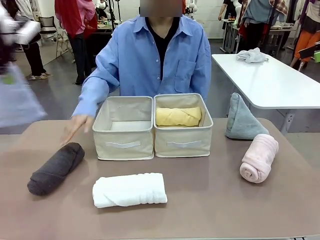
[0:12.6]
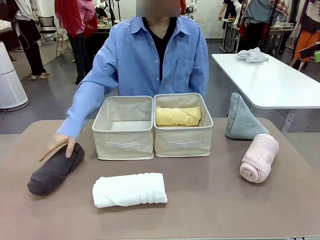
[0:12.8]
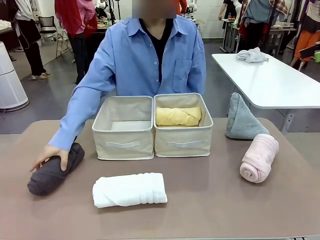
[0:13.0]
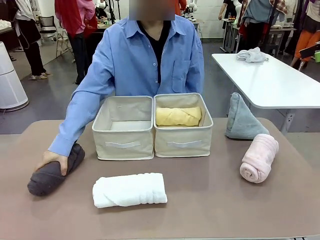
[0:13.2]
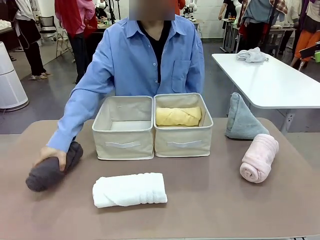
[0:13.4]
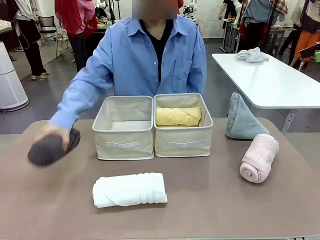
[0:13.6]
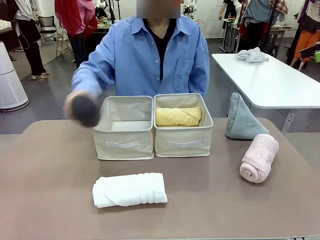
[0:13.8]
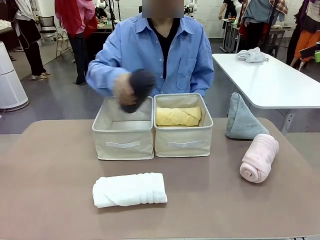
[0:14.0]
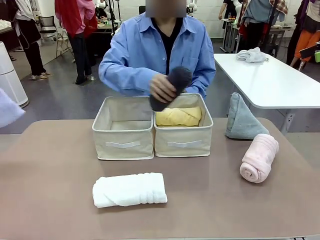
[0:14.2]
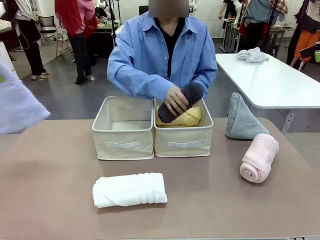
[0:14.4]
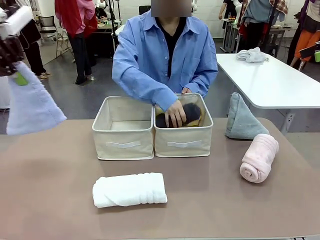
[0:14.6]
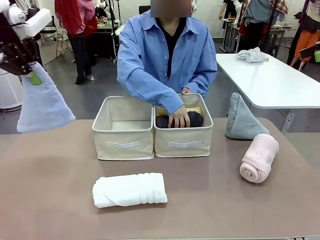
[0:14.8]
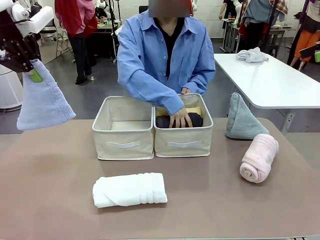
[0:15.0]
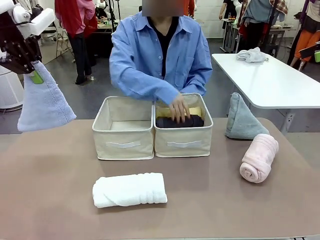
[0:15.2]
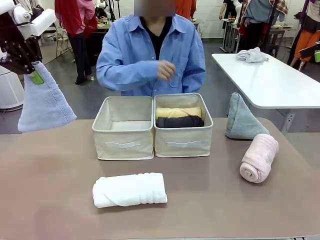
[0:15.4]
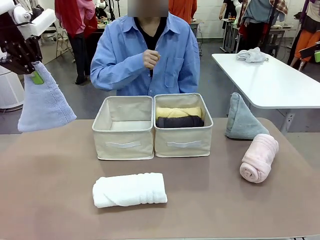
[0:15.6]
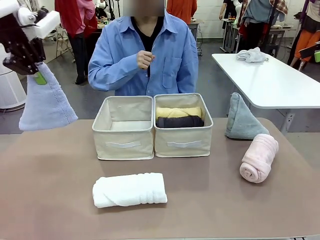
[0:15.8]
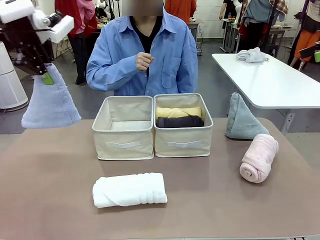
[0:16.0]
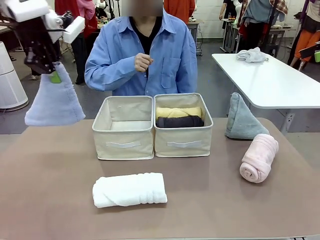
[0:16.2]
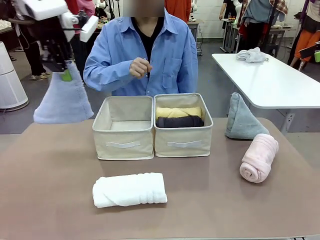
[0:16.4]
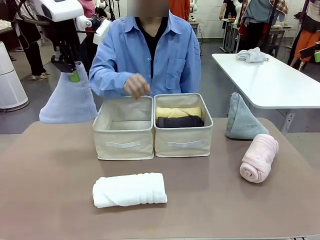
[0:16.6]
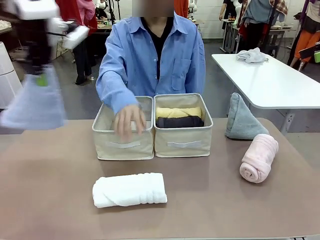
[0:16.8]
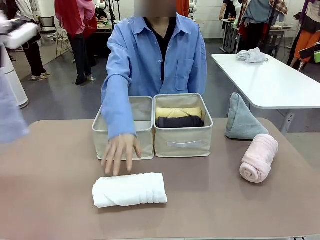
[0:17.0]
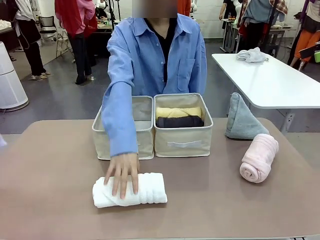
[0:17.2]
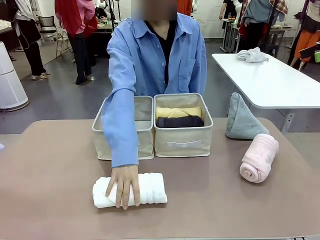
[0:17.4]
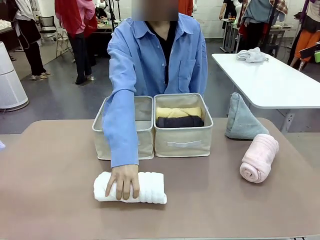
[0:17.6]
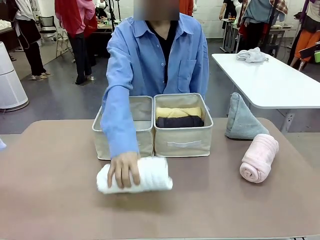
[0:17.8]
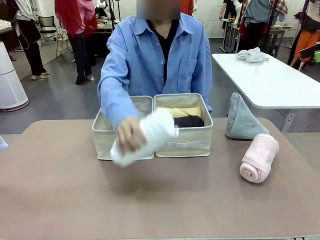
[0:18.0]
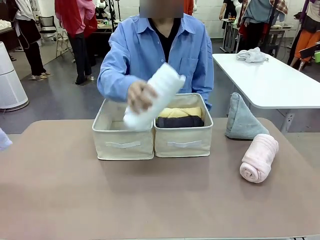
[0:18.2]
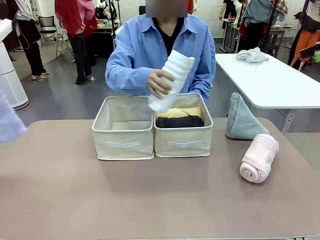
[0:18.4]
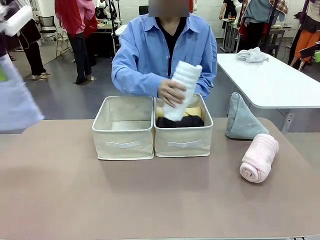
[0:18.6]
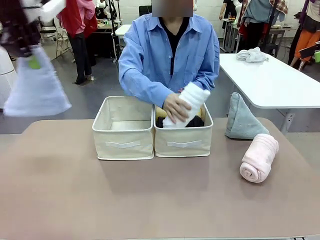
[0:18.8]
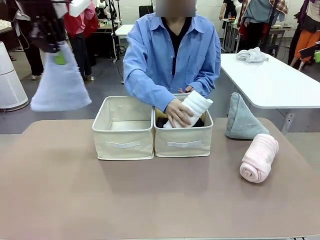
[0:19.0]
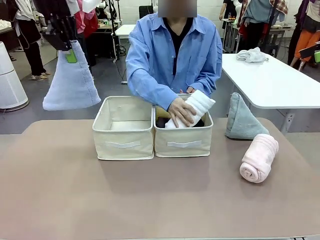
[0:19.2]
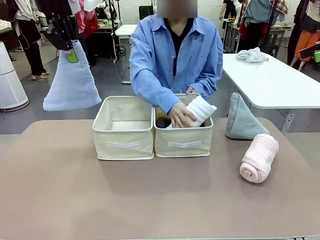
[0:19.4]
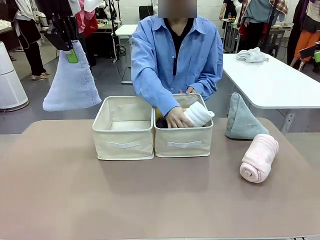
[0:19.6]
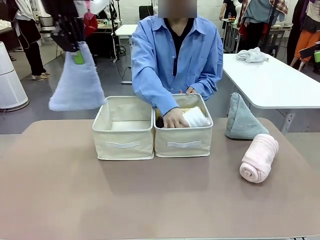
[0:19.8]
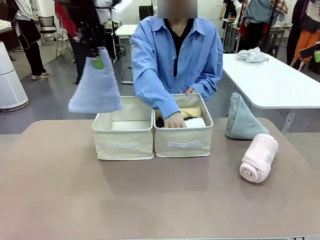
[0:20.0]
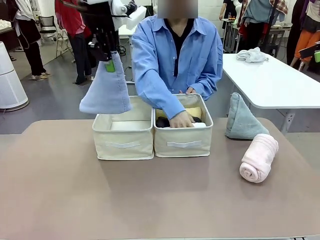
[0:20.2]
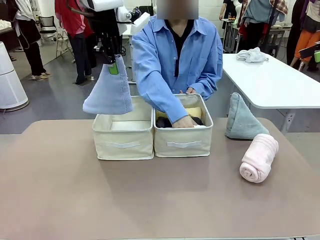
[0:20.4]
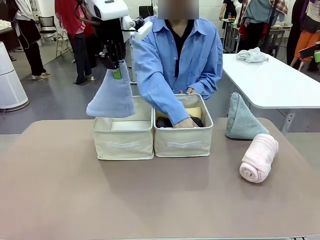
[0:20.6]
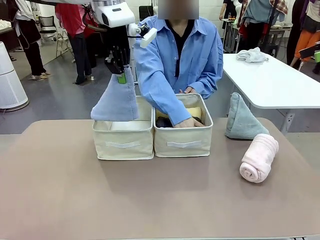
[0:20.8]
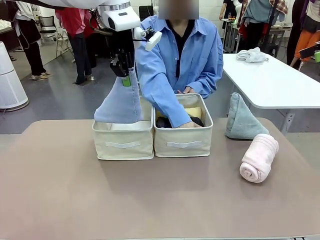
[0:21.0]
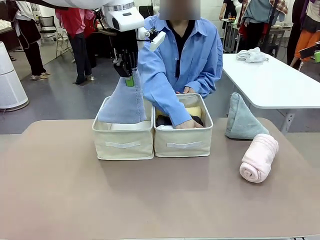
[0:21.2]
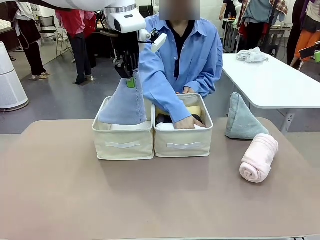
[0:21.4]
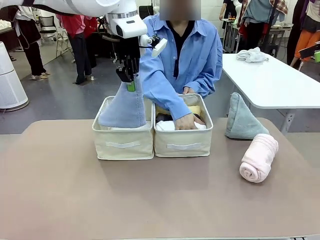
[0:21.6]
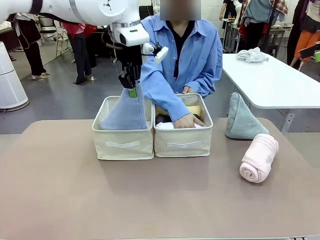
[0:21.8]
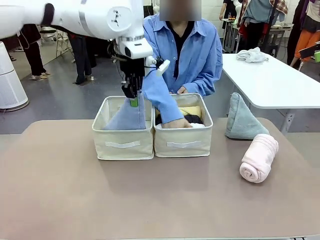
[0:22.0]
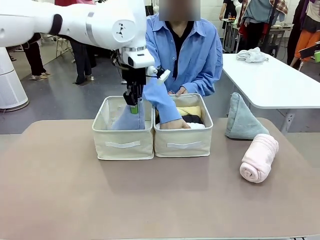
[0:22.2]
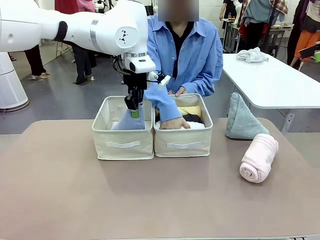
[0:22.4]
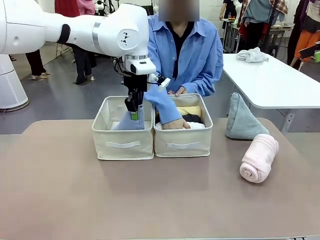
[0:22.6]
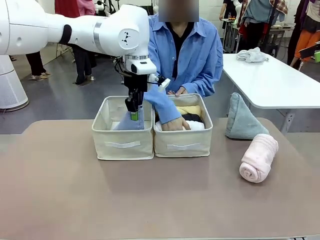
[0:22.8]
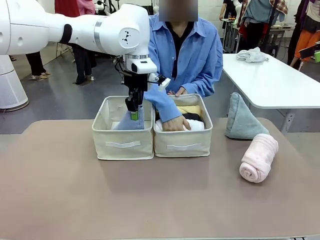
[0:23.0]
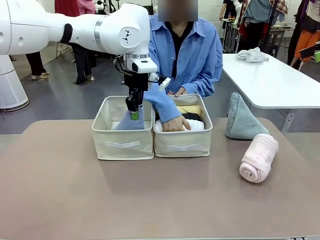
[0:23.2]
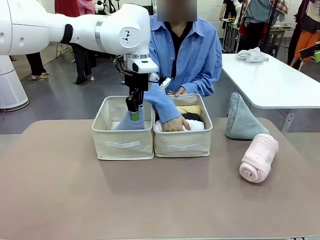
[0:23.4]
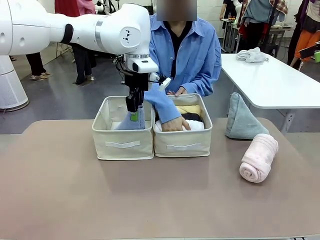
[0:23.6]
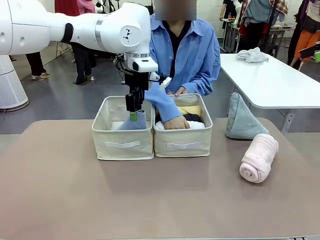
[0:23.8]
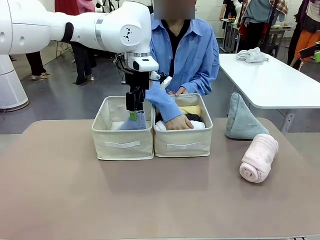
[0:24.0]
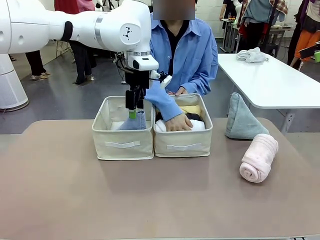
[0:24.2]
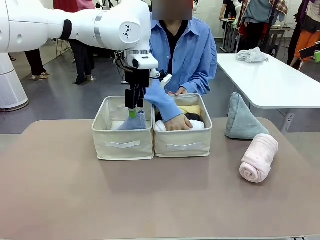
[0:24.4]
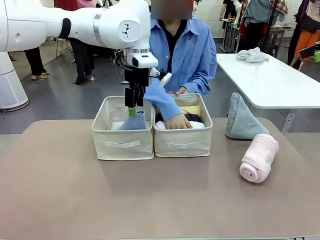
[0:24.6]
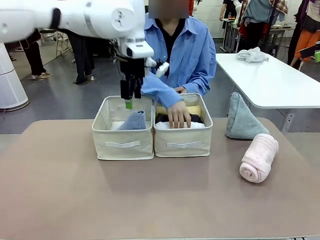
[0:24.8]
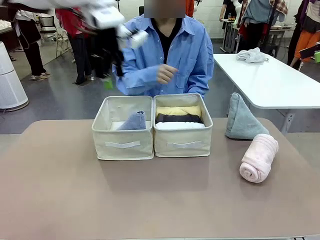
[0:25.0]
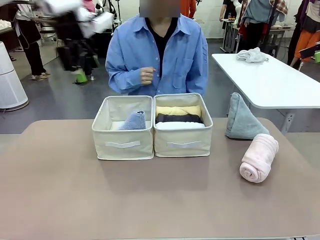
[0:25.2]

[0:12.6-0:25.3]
Task: Sort the towels based on their folding style.
Robot: Pick up one triangle-folded towel and place it in the left Fabric basket.

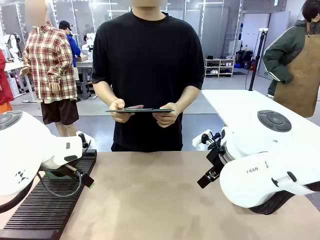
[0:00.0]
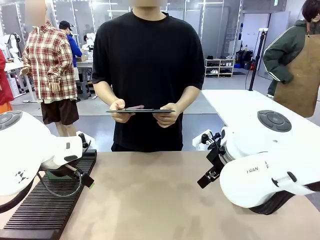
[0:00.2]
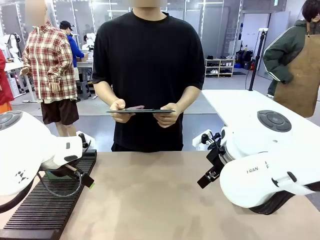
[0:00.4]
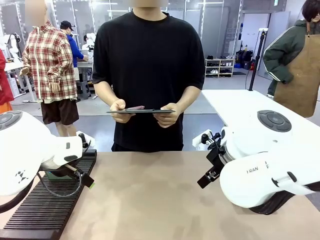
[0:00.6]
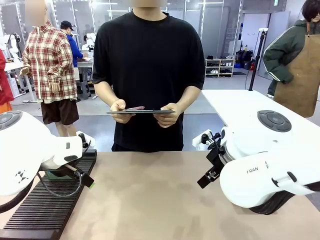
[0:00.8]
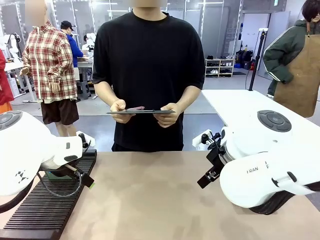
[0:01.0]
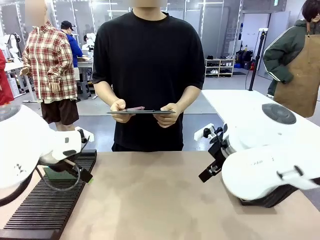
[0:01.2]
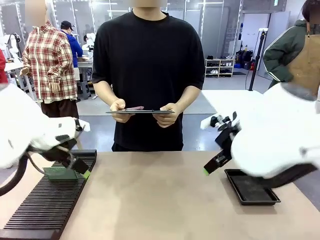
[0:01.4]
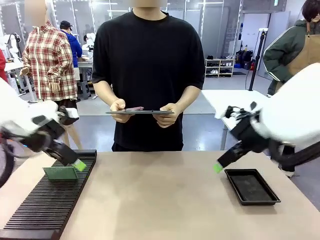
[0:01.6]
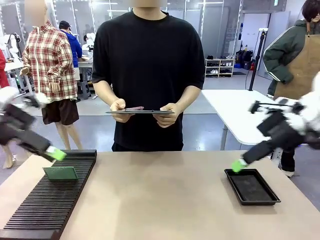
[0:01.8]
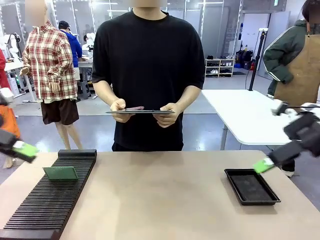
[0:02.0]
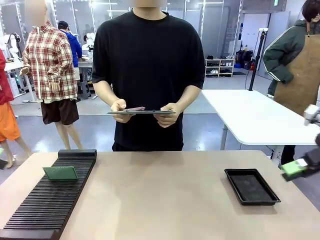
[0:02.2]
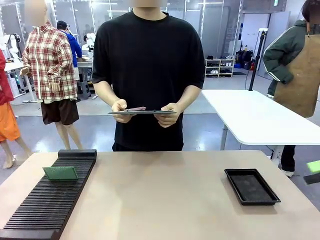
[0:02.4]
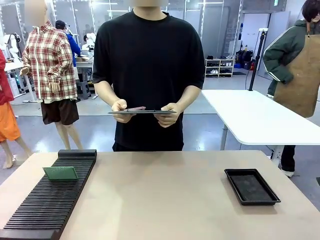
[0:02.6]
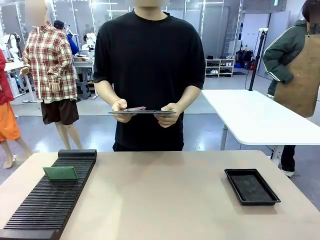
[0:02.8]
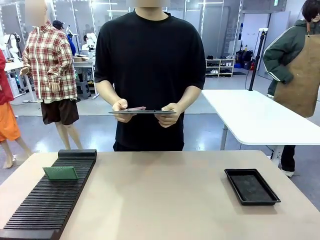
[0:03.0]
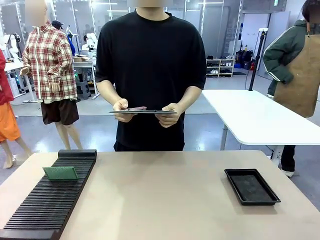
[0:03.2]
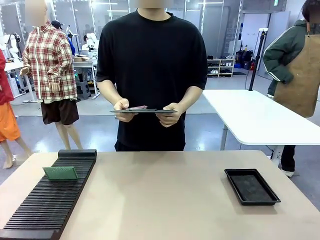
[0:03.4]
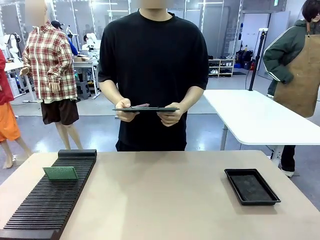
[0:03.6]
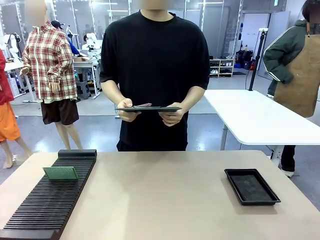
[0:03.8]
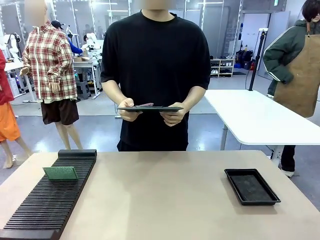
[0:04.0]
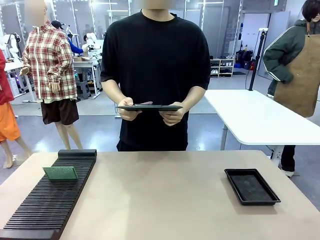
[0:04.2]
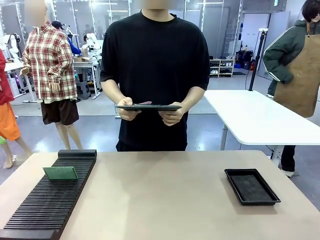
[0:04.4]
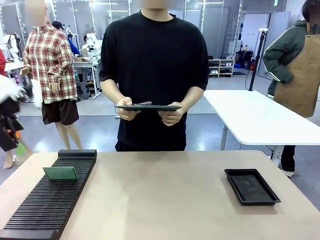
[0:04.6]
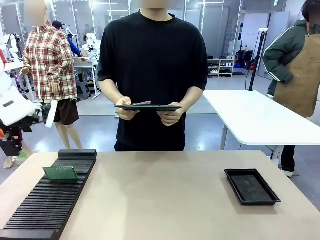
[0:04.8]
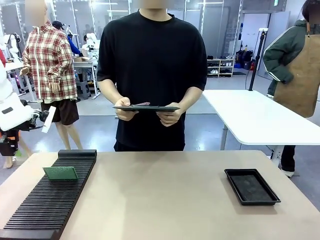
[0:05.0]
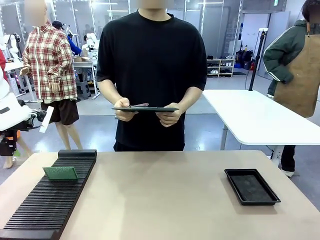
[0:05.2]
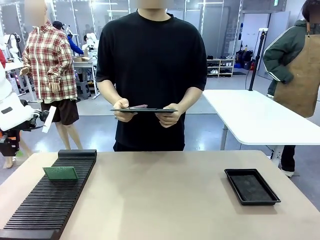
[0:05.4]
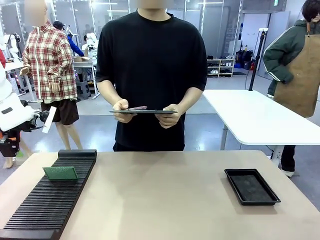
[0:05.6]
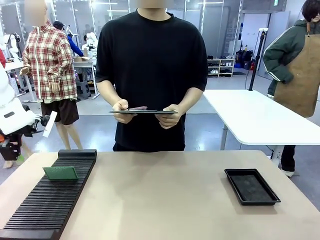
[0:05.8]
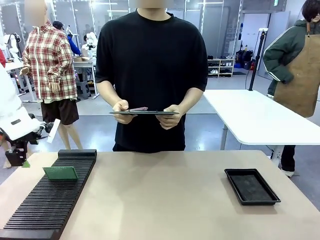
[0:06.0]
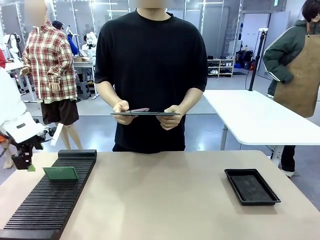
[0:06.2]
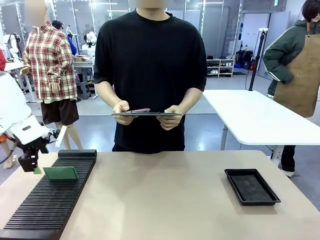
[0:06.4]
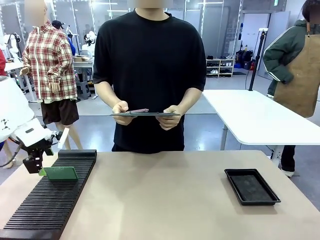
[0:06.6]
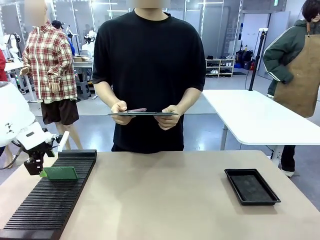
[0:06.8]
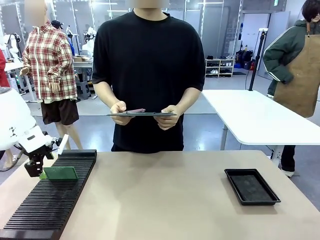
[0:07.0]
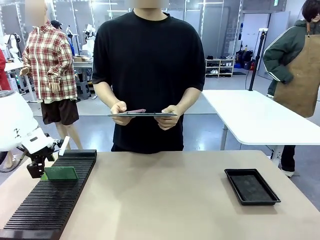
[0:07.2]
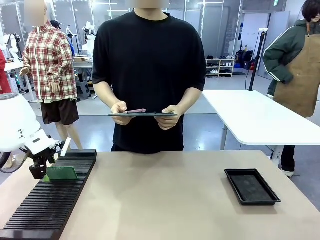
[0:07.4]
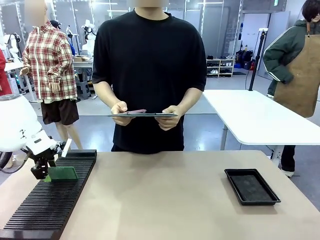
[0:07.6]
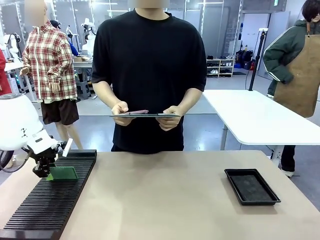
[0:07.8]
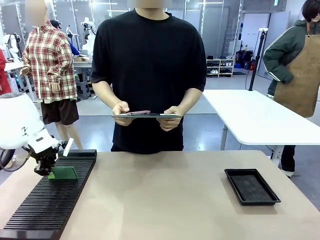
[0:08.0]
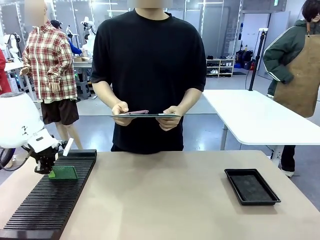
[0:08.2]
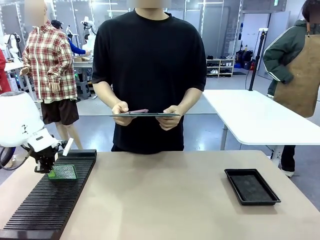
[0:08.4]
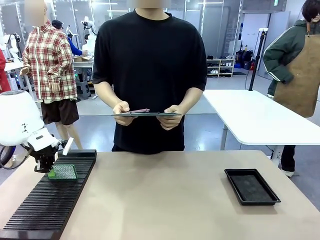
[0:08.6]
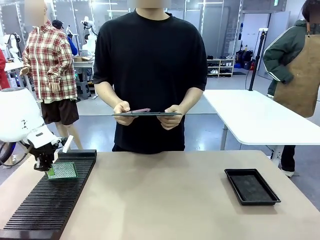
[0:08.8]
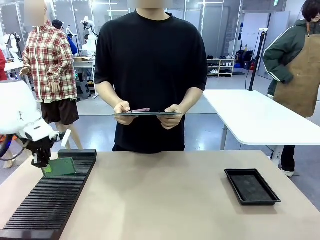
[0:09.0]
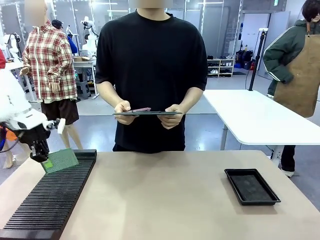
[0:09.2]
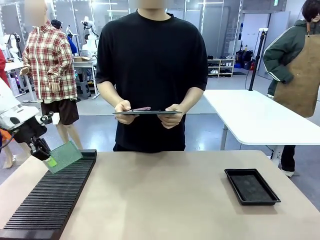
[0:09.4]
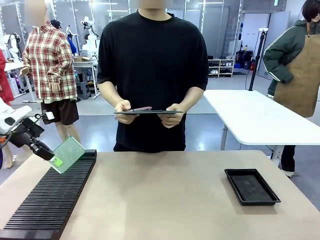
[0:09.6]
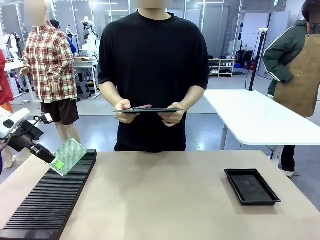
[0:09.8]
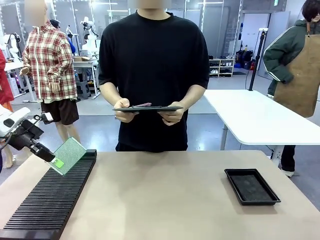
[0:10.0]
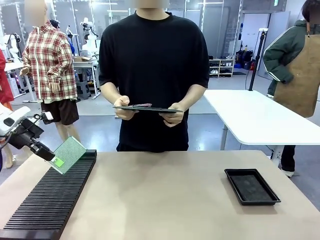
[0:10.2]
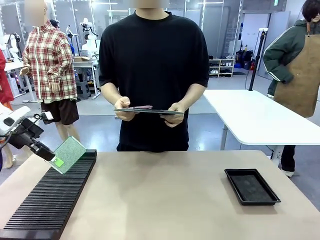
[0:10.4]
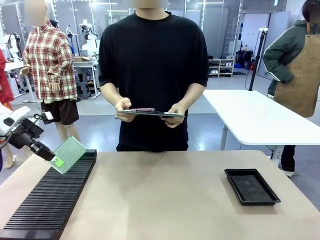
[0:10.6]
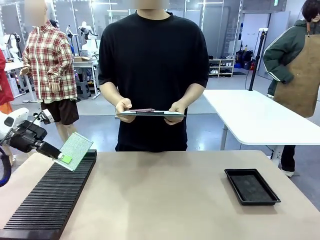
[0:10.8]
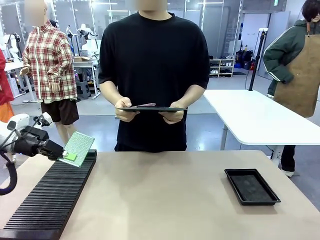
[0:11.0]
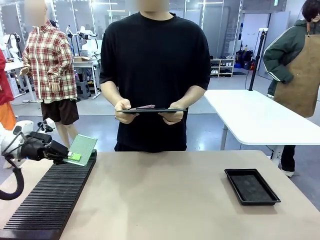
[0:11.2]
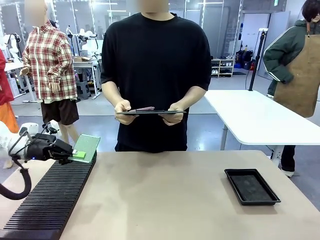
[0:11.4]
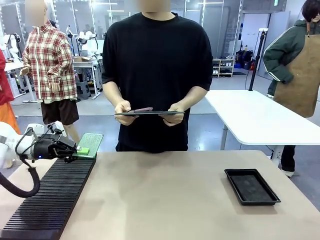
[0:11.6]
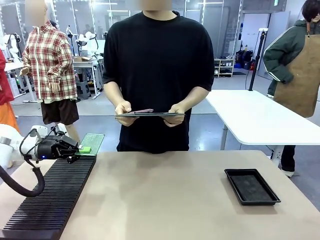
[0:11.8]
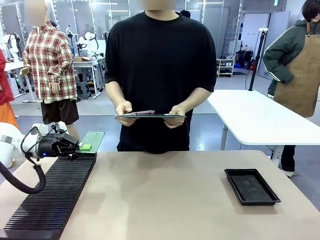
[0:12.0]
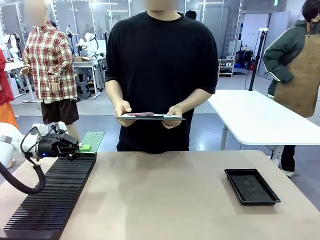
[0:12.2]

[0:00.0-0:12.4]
Task: Inspect the PCB.
Robot: Pick up the Blank PCB and present it to the human.
Person: Pick up the PCB presented by the robot.
